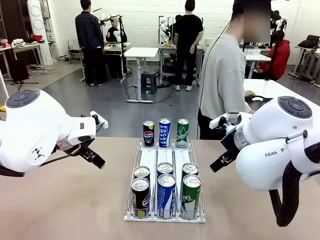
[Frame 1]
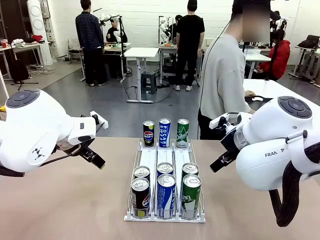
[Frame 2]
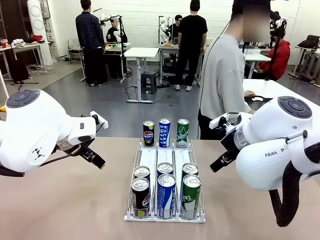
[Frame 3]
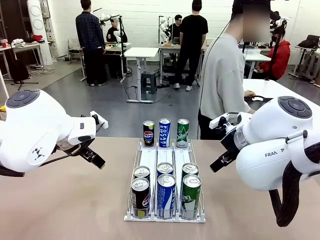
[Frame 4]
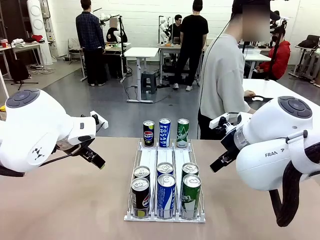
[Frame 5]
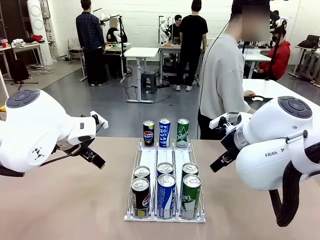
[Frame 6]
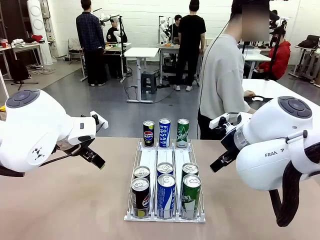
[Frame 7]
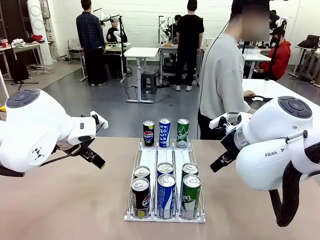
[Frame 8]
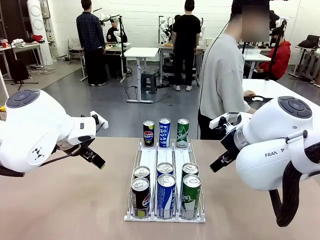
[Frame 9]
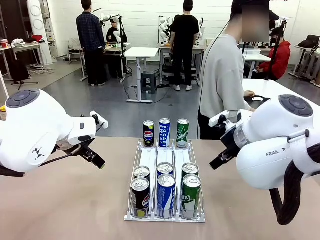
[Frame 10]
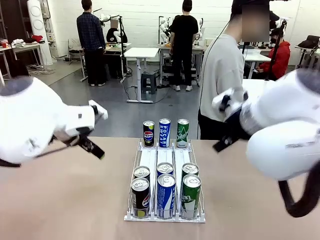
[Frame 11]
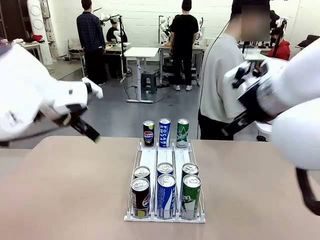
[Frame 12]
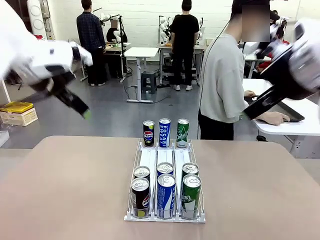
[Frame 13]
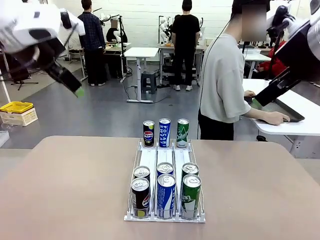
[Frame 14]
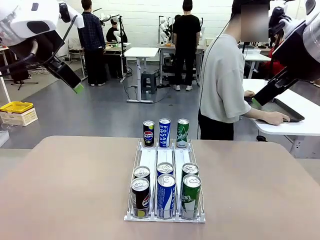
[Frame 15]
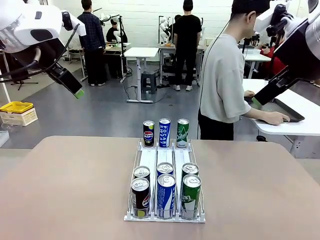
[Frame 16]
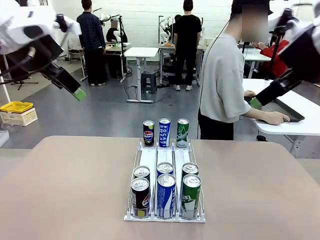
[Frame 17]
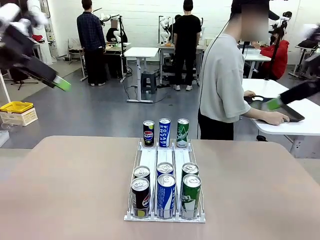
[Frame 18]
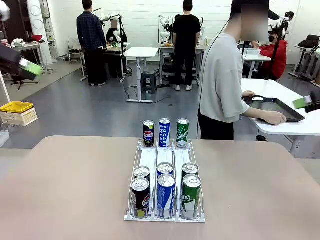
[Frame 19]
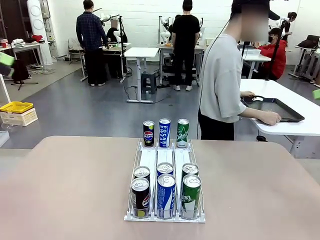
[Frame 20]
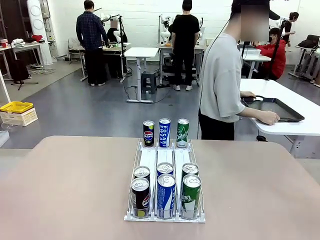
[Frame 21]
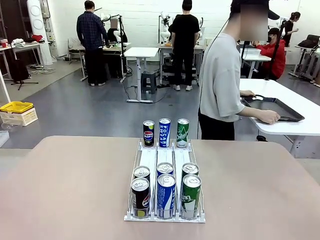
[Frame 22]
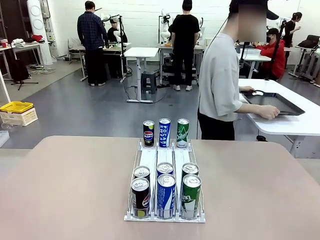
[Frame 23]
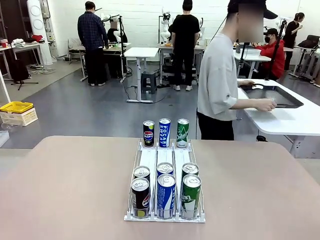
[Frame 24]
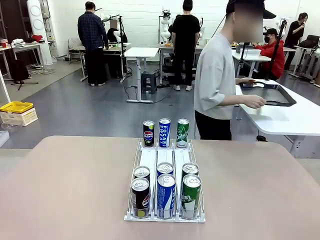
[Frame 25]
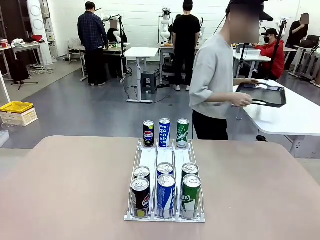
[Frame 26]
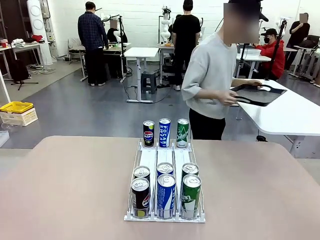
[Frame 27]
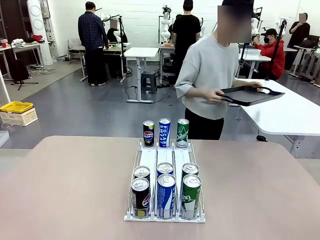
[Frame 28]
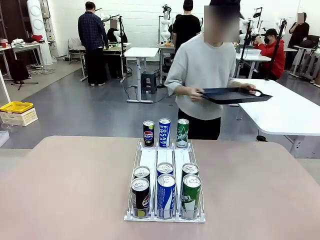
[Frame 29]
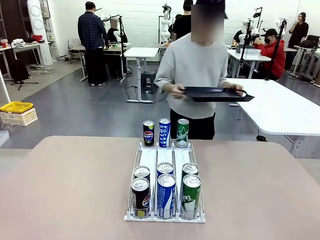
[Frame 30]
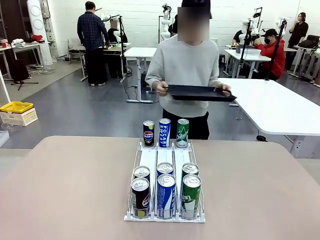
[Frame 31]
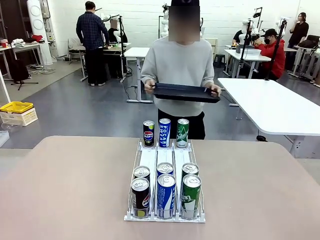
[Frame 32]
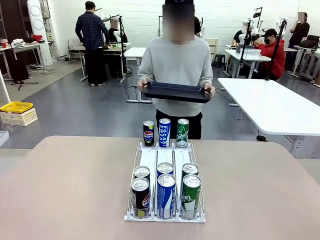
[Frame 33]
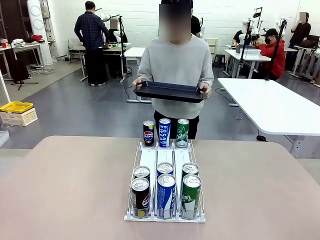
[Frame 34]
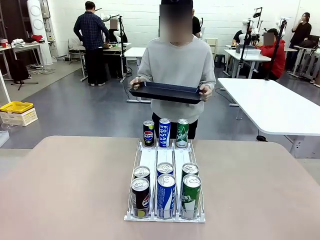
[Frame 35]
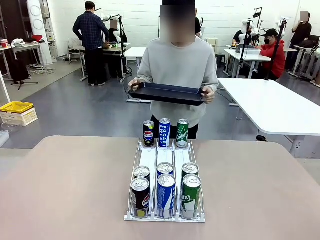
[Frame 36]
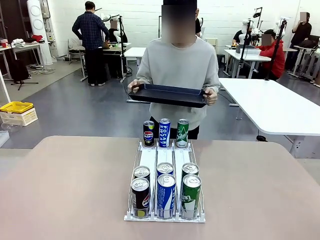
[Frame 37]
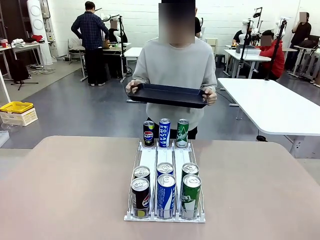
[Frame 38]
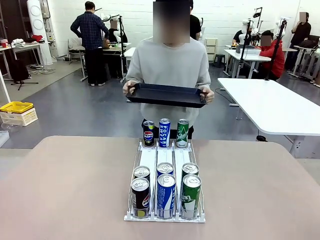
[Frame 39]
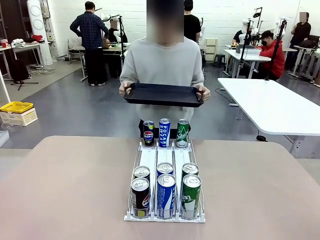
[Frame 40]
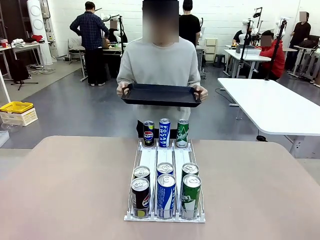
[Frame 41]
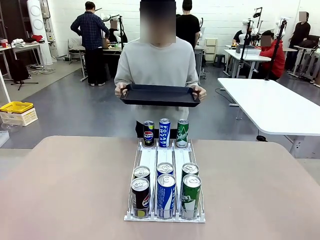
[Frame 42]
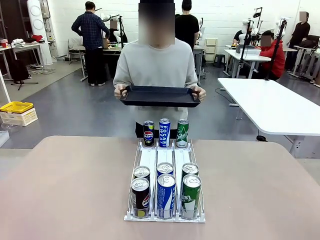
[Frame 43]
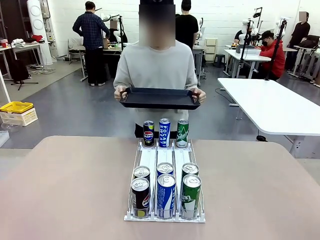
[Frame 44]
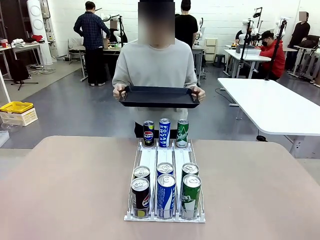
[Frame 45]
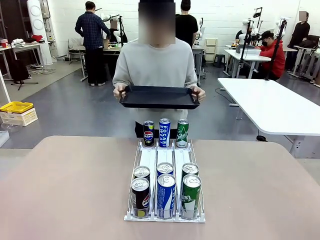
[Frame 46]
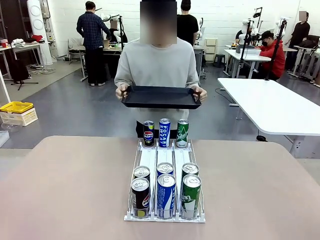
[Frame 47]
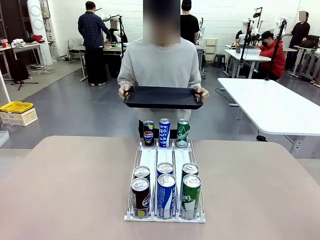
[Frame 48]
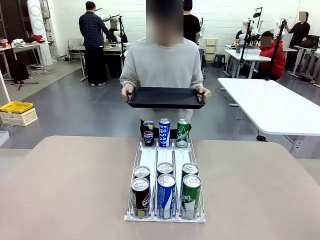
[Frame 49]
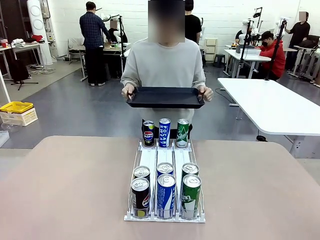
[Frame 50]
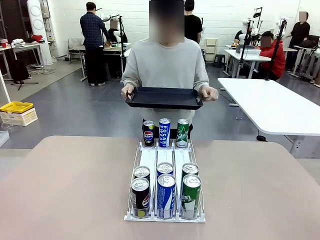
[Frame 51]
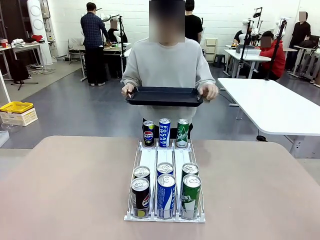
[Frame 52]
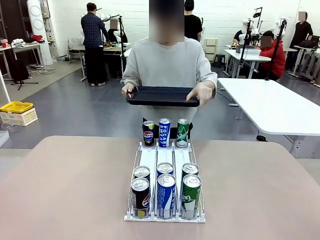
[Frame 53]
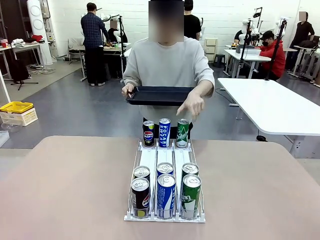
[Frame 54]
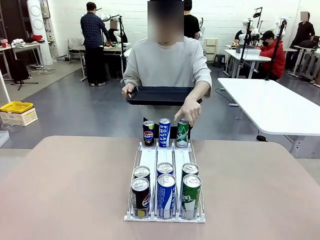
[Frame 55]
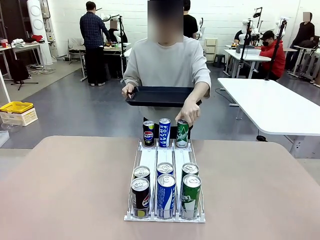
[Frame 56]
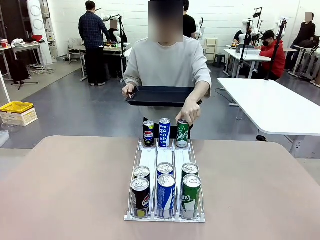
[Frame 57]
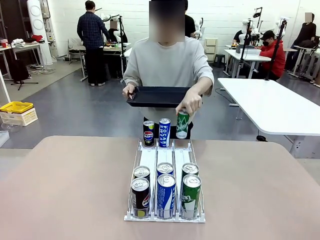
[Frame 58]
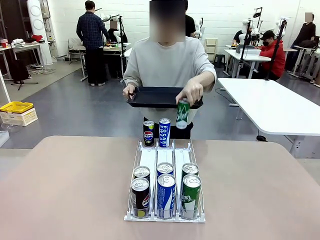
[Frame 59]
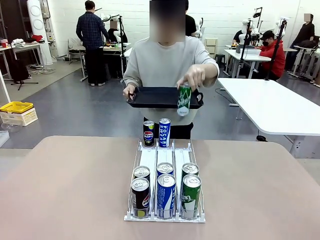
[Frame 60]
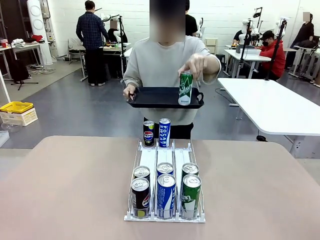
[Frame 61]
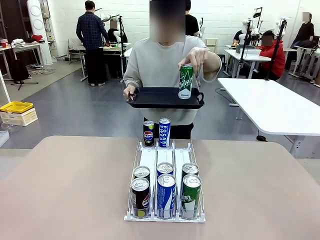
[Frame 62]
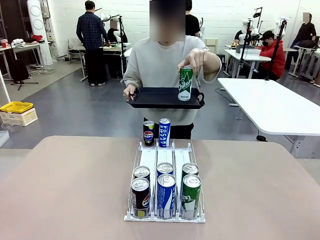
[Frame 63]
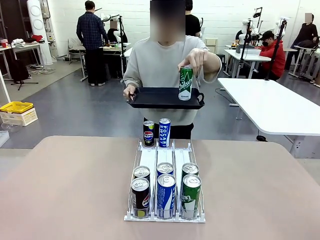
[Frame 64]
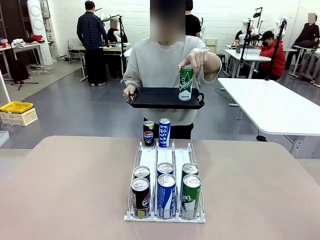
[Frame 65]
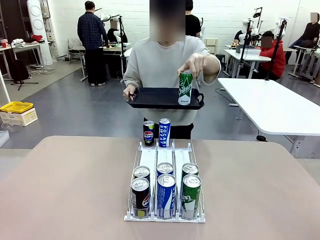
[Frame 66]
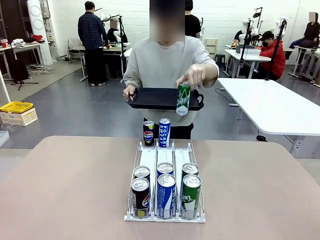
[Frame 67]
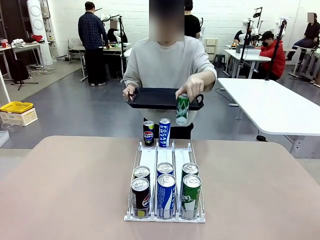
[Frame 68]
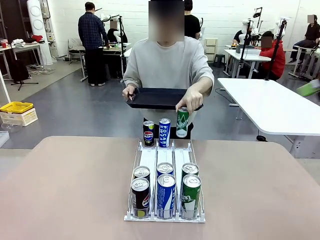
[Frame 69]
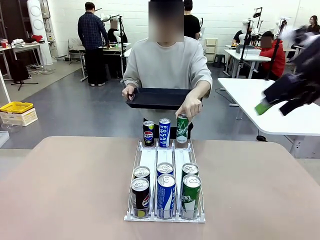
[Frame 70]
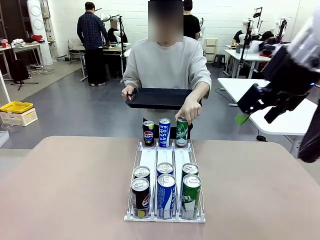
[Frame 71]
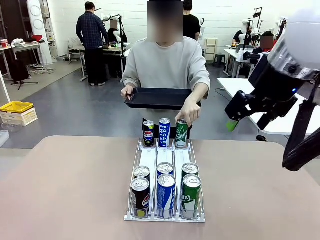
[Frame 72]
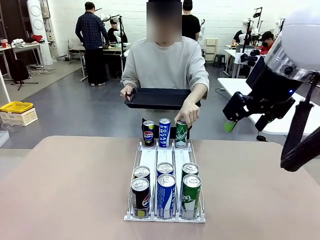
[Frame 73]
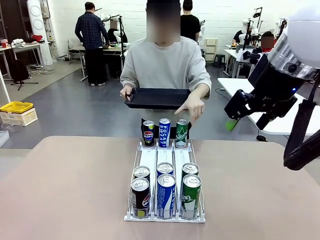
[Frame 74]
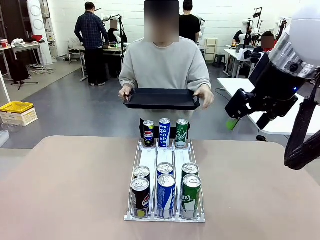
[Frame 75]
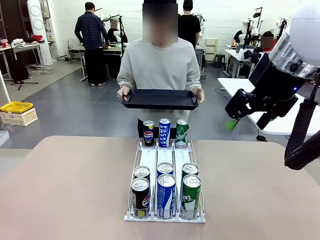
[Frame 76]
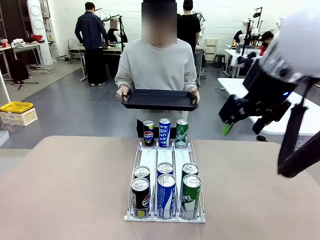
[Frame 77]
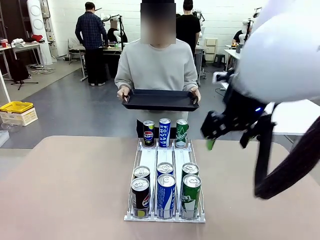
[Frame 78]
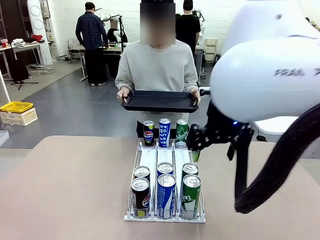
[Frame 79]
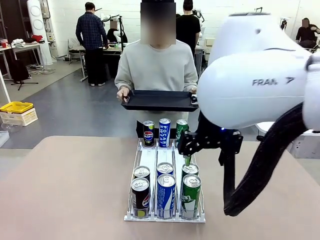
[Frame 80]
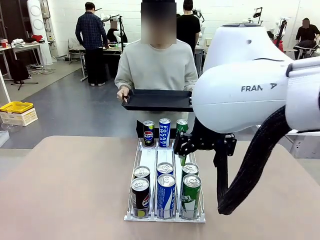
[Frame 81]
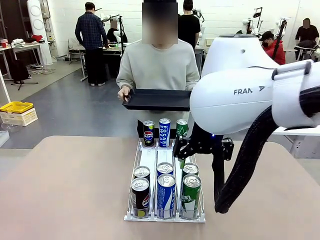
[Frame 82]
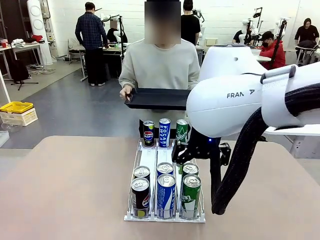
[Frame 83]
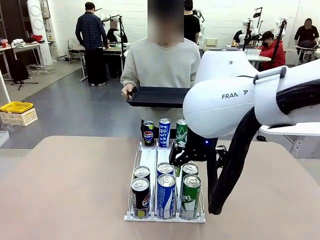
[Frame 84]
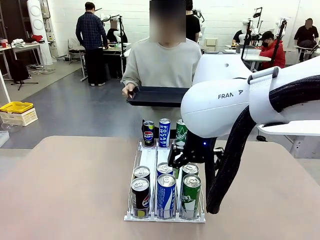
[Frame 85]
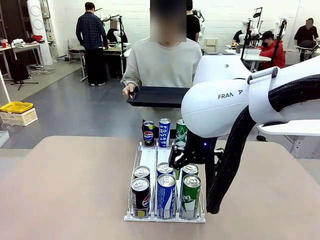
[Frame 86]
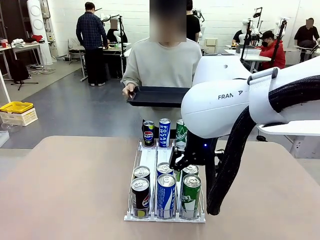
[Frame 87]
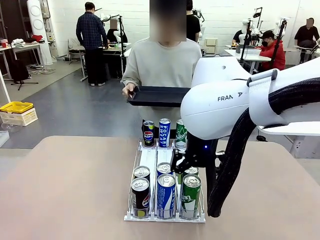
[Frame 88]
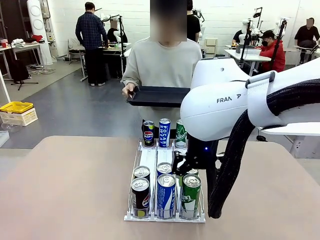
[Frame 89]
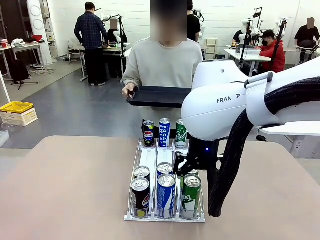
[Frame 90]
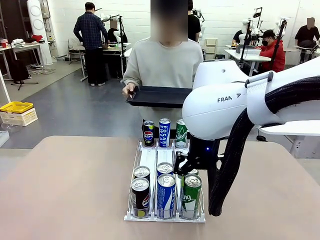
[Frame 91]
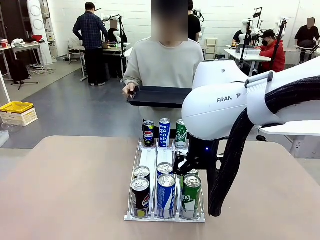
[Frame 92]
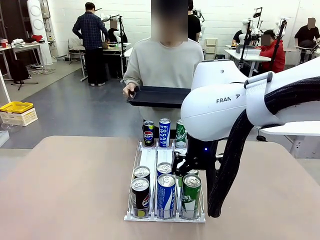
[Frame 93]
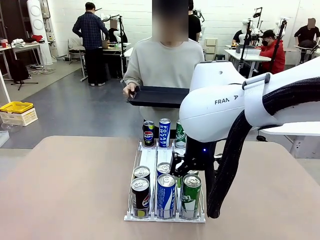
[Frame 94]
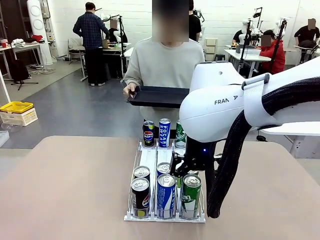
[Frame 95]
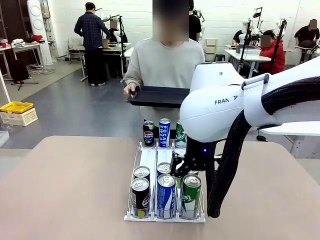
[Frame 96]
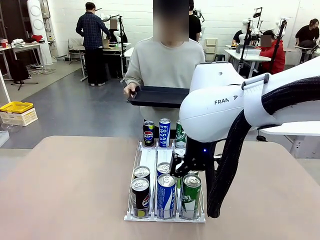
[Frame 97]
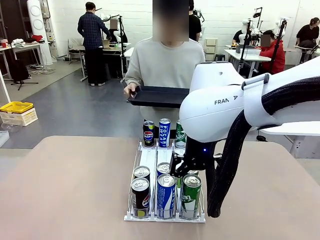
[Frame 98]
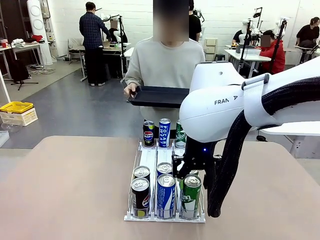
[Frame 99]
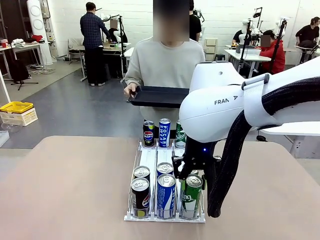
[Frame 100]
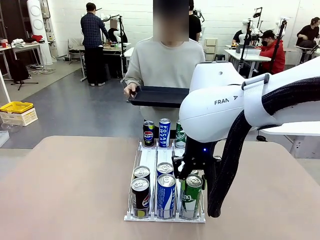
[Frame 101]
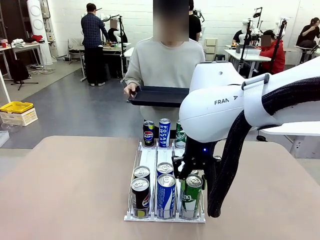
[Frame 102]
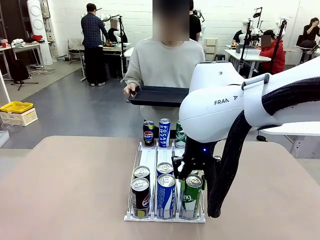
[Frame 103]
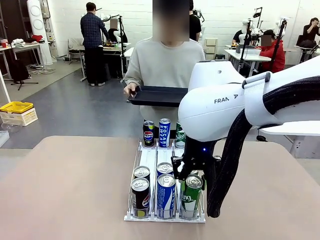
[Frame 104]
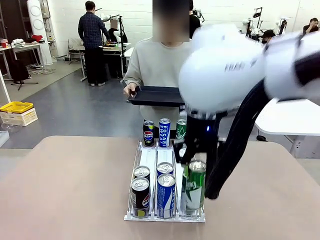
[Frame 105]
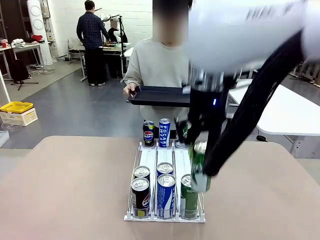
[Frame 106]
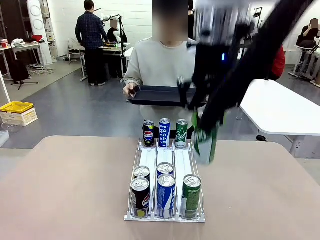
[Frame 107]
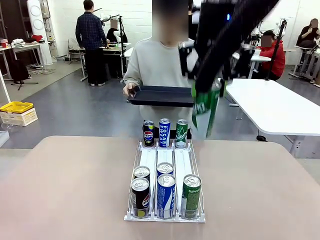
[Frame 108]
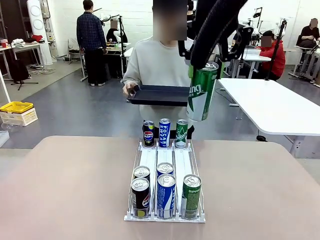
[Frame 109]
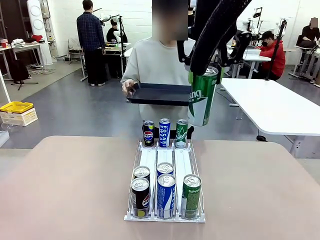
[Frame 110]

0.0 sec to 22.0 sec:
Task: Retrieve and hand over the desired beverage to the person.
Robot: Pick up a can of the same type that the person held from the Automatic Can Dispenser.
Person: Hold the tray and position yourself in front of the robot table. Pick up one can from the bottom area of the table and puts it back in its original place. Push the tray toward the robot.
